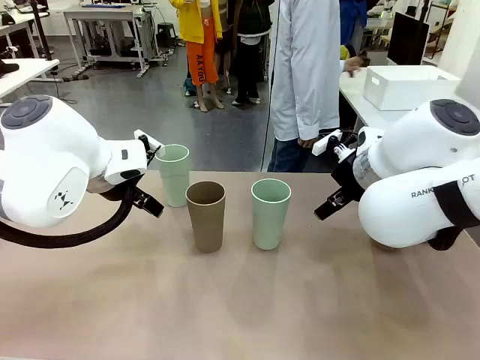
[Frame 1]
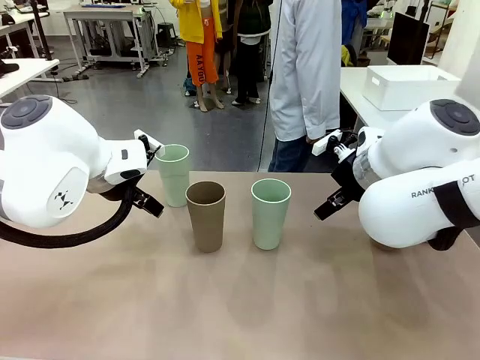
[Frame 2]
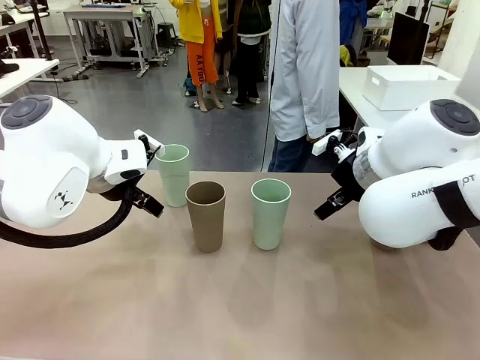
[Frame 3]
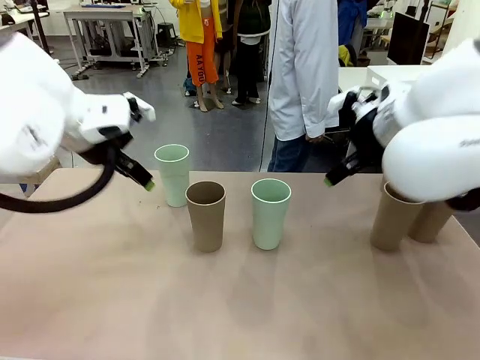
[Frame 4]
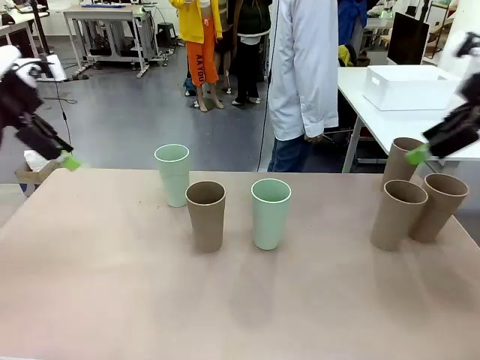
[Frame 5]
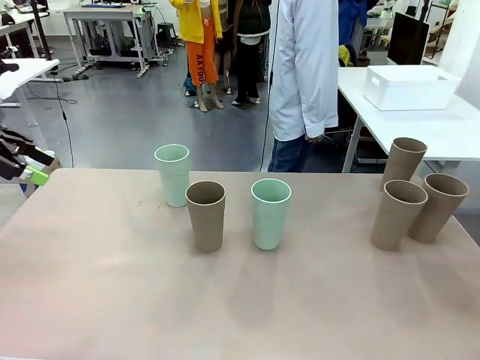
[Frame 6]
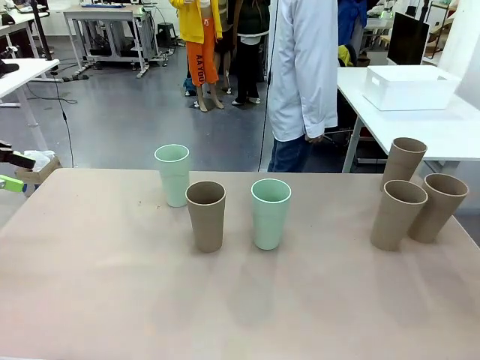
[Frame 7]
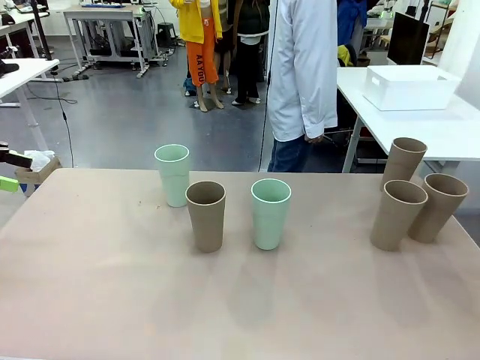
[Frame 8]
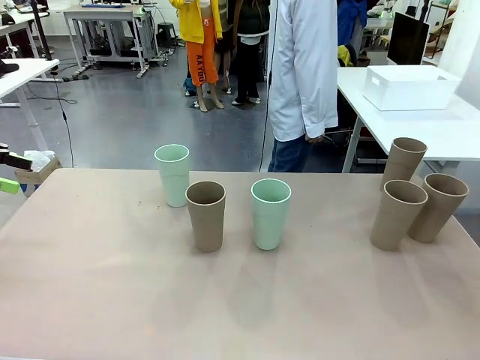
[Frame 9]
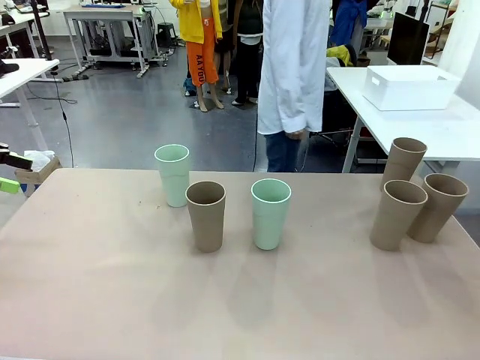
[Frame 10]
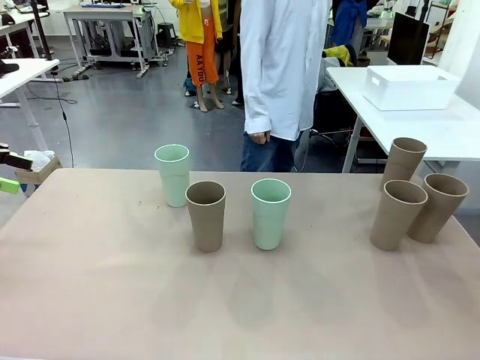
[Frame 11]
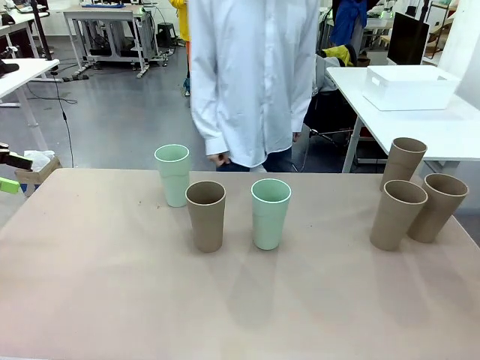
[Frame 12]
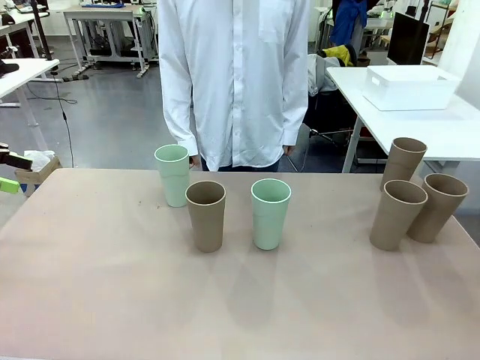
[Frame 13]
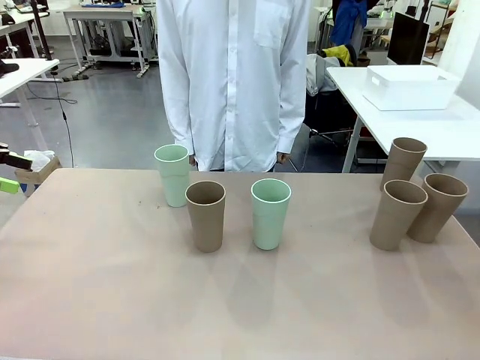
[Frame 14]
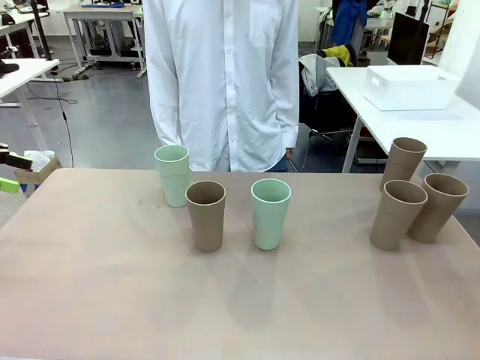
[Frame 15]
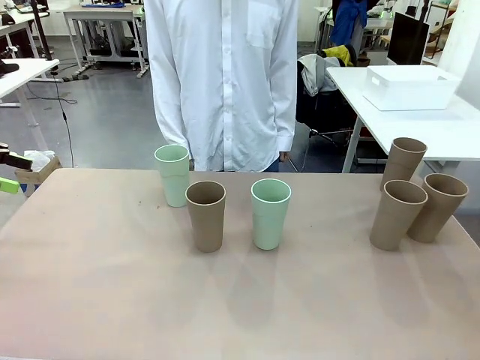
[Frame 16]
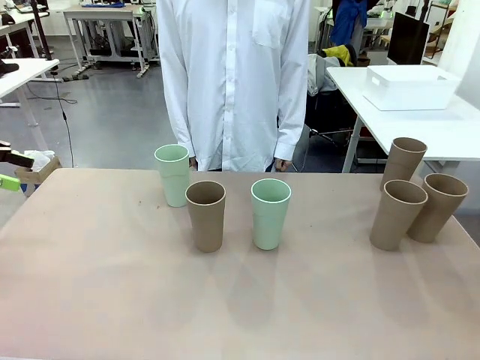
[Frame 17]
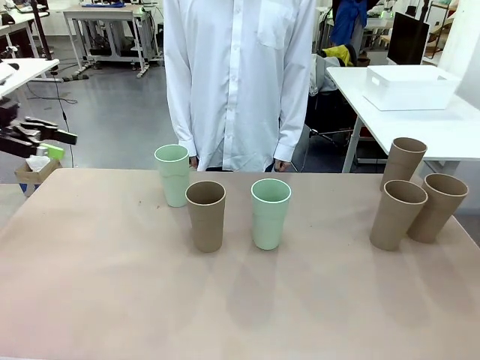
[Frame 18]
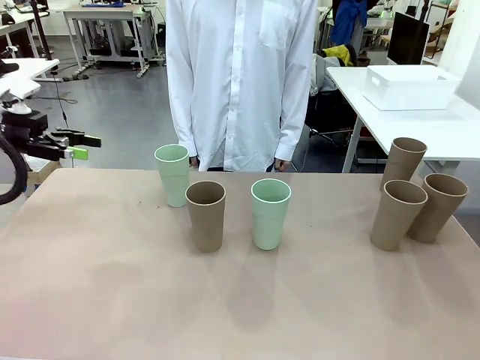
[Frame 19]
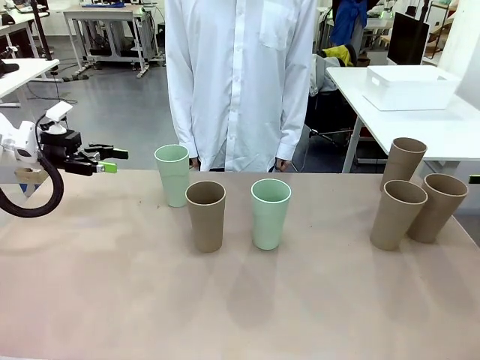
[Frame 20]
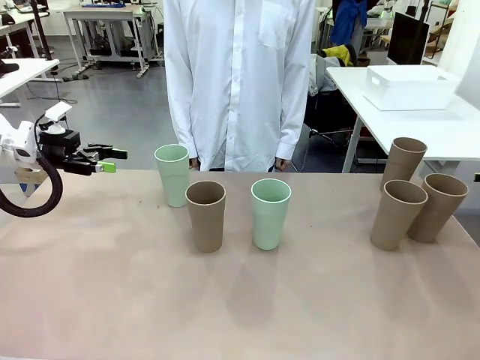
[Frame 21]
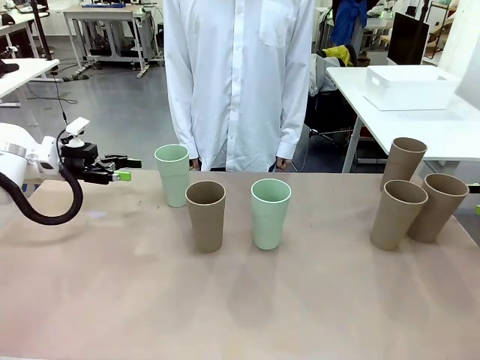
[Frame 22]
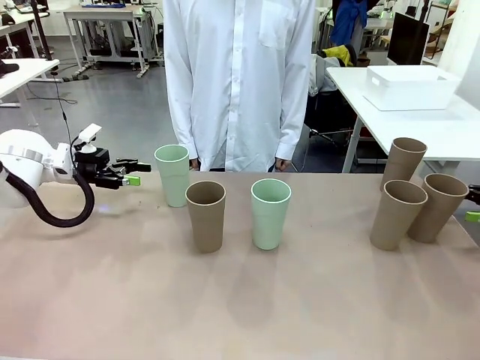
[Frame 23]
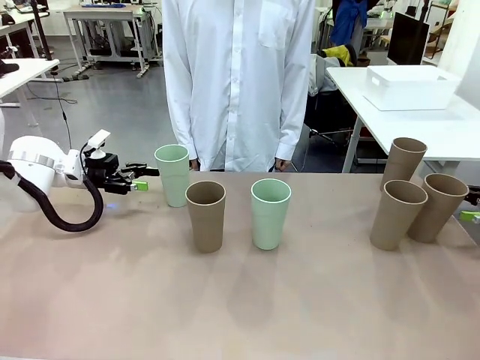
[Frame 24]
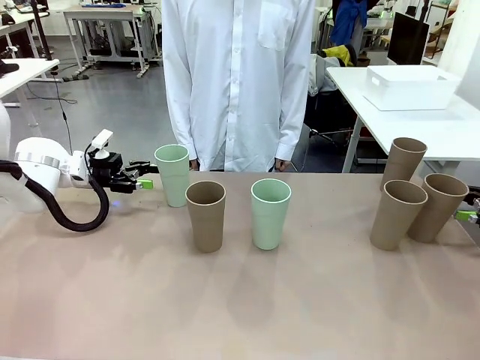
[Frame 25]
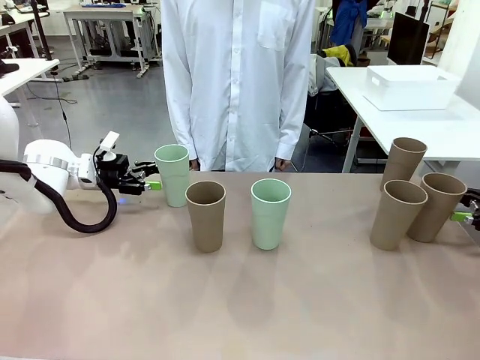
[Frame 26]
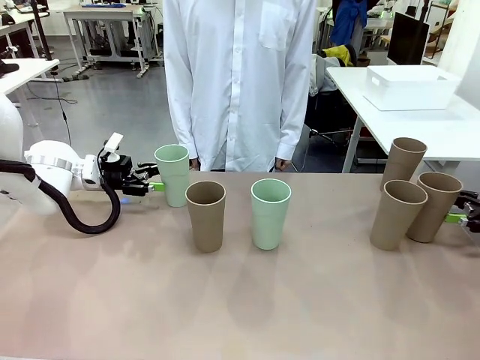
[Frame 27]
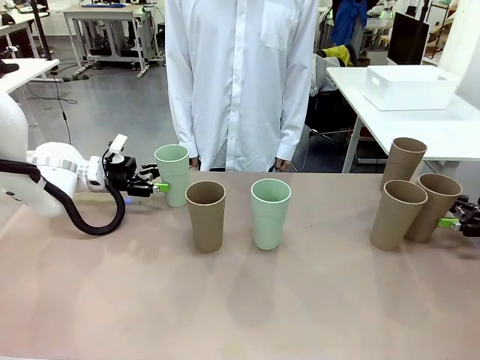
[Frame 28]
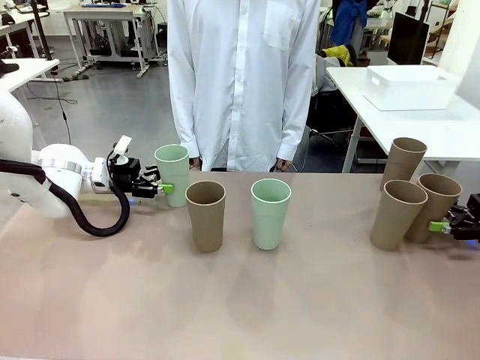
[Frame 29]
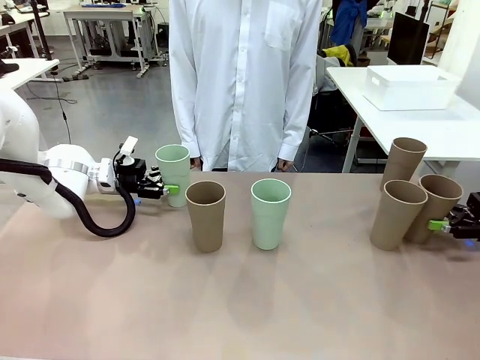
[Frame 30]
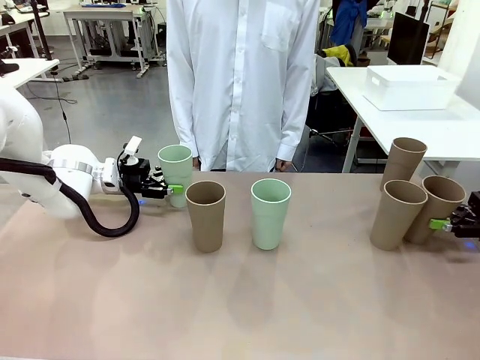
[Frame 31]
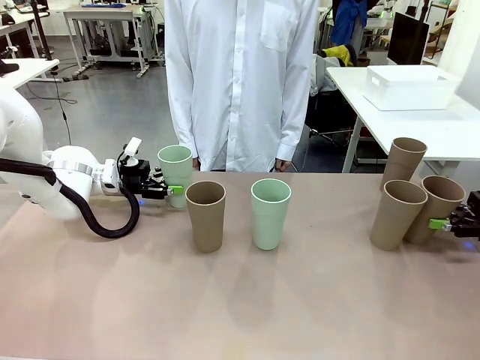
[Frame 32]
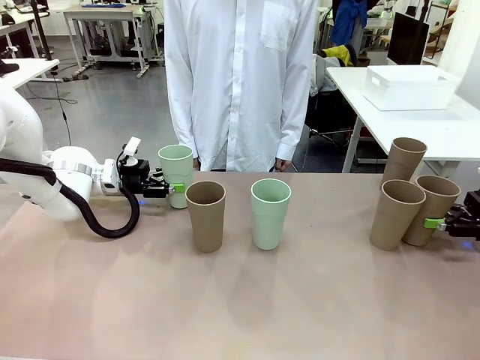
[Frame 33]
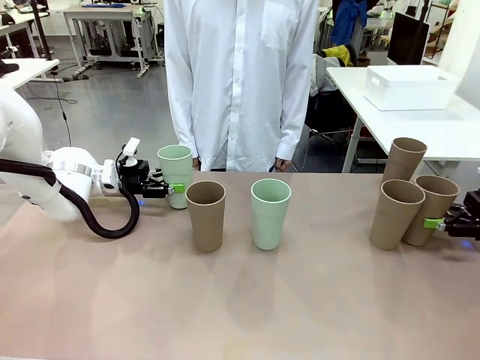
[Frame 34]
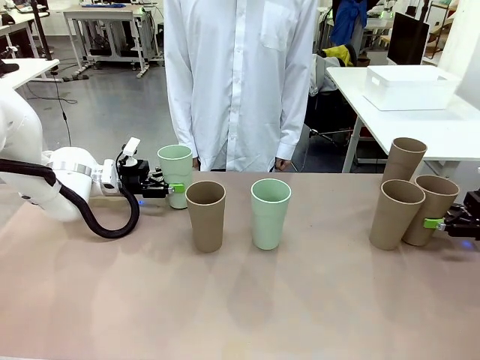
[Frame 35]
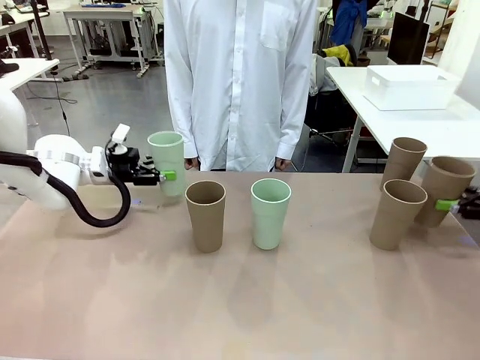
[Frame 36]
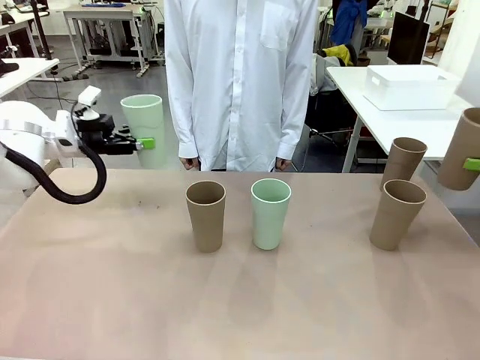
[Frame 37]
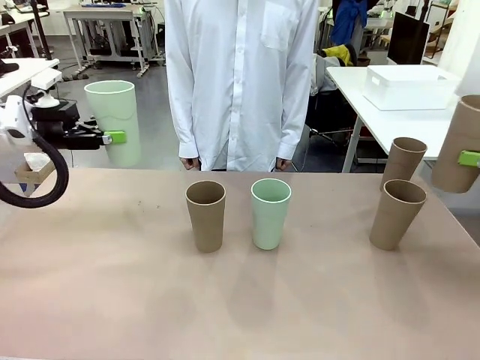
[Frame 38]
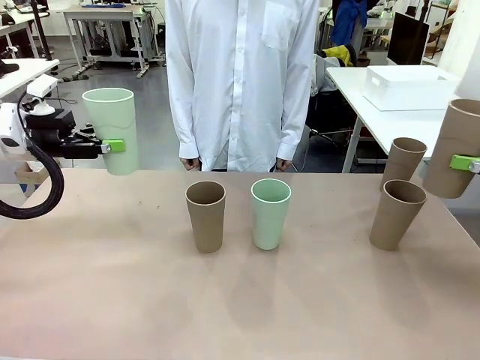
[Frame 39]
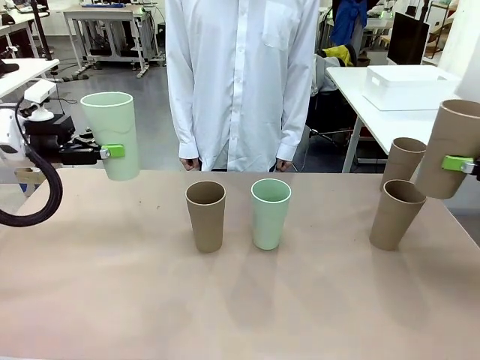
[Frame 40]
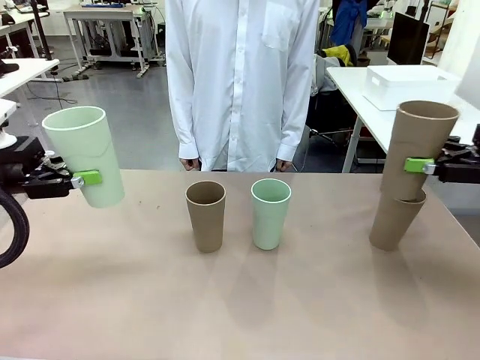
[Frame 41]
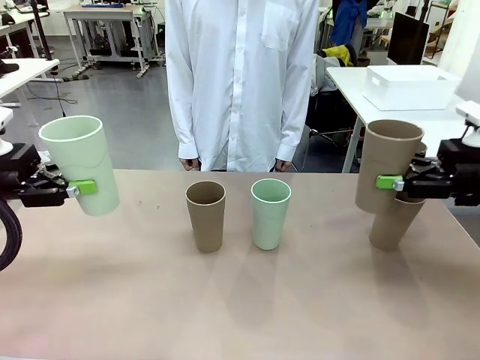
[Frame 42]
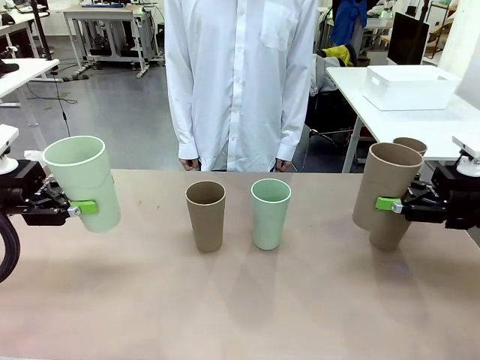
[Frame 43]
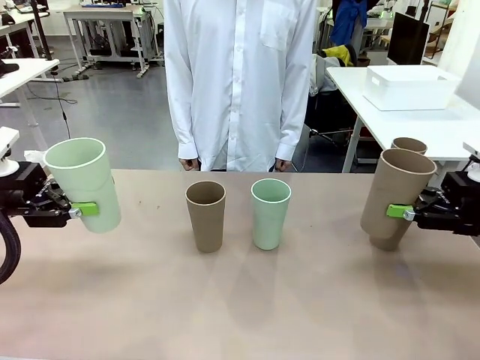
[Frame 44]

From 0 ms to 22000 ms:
Task: Stack the cups and store them in the basket.
Robot: Pick up two Reusable plastic cups , one in each hand.
Person: Move from the Human Table to the front of the Robot Table. Stack two of the remaining cups on top of each cup held by the robot.
